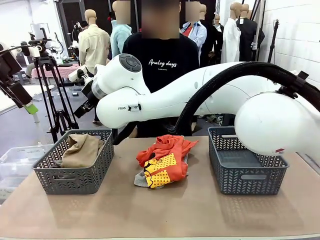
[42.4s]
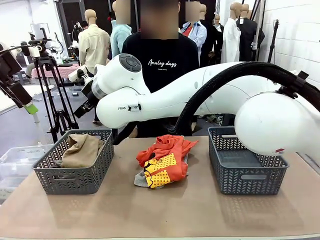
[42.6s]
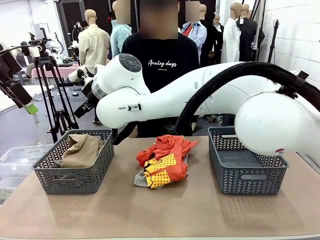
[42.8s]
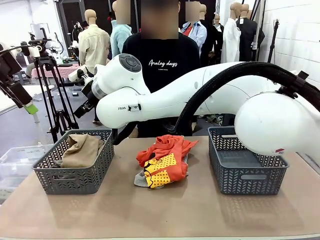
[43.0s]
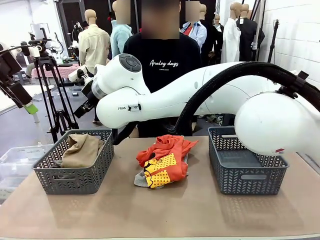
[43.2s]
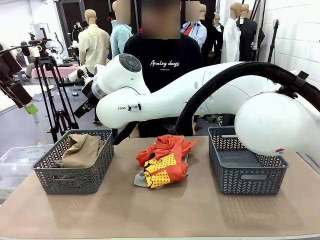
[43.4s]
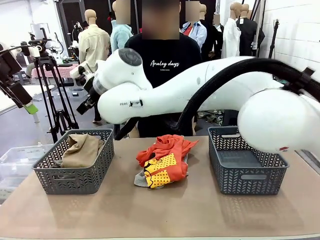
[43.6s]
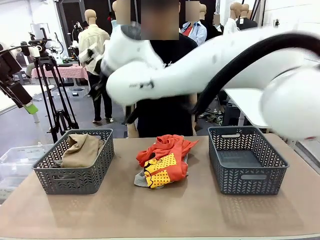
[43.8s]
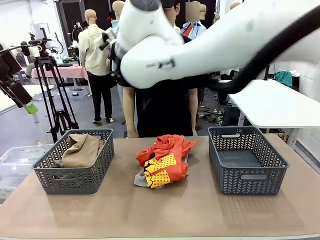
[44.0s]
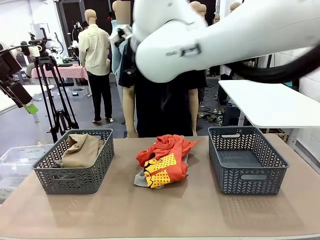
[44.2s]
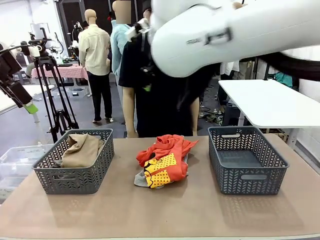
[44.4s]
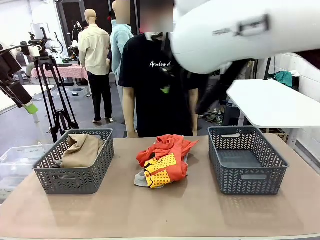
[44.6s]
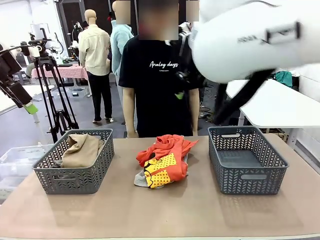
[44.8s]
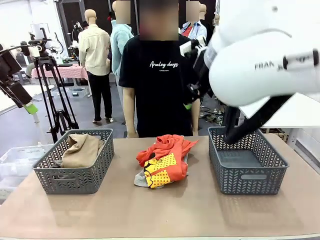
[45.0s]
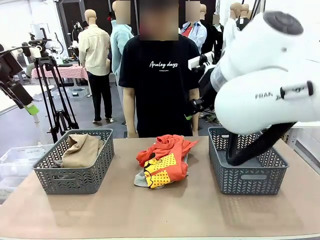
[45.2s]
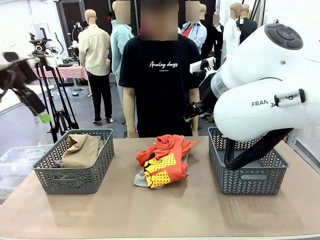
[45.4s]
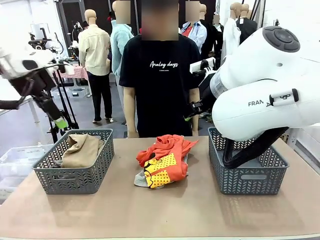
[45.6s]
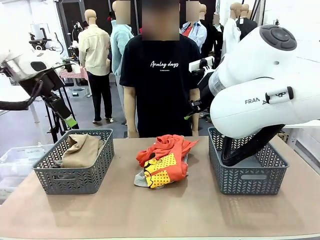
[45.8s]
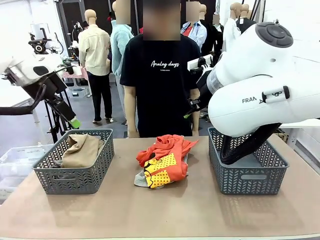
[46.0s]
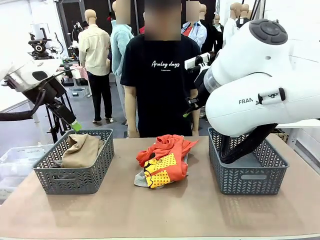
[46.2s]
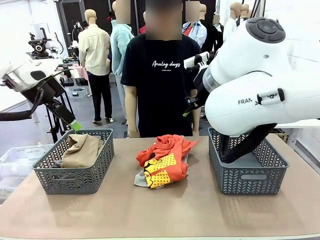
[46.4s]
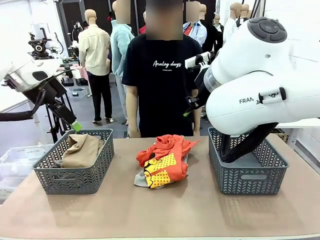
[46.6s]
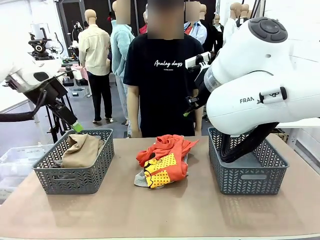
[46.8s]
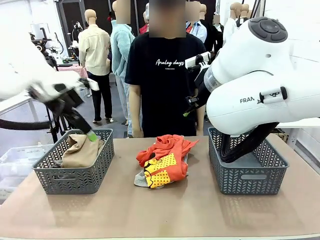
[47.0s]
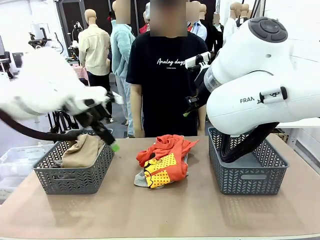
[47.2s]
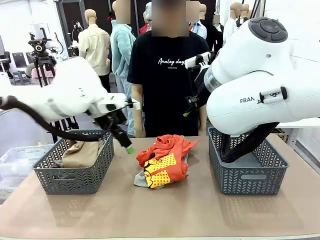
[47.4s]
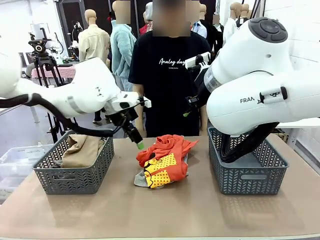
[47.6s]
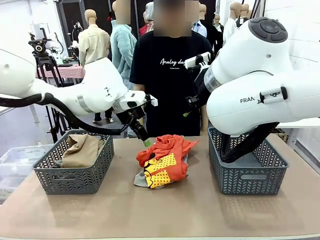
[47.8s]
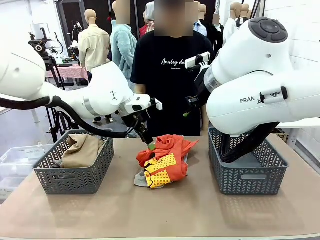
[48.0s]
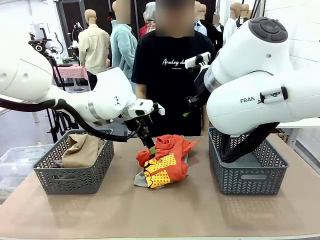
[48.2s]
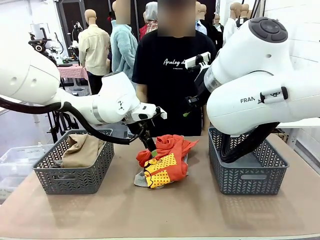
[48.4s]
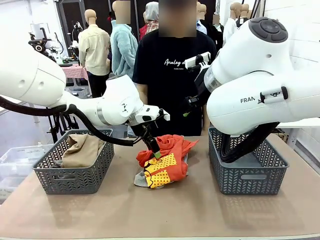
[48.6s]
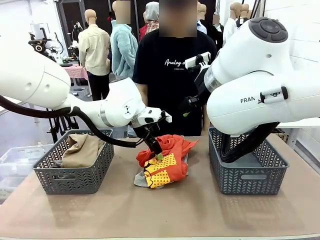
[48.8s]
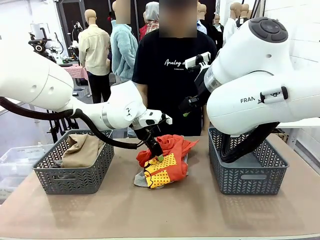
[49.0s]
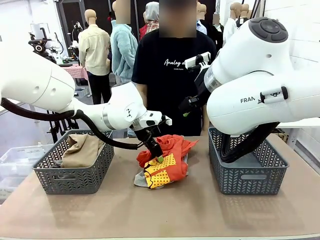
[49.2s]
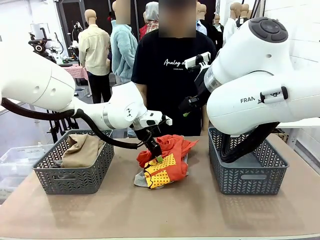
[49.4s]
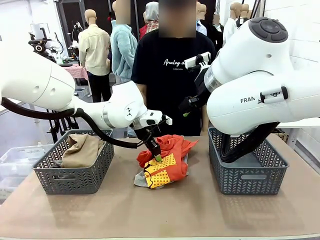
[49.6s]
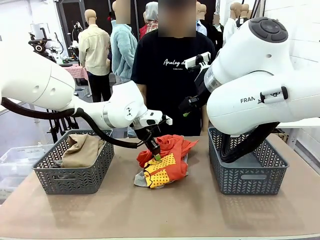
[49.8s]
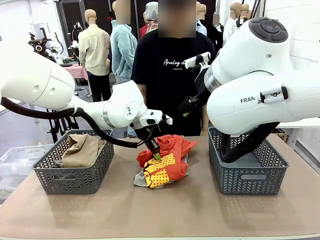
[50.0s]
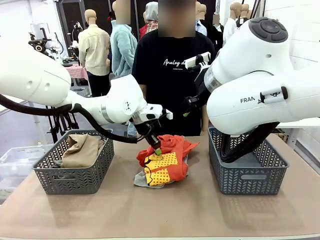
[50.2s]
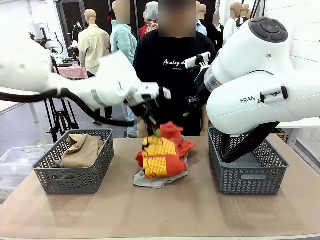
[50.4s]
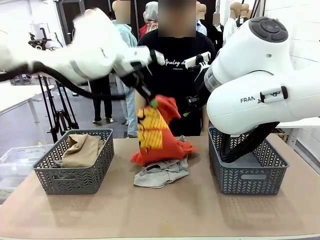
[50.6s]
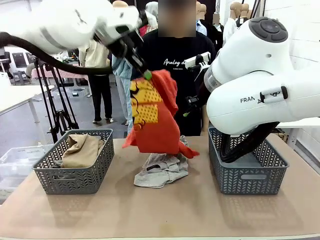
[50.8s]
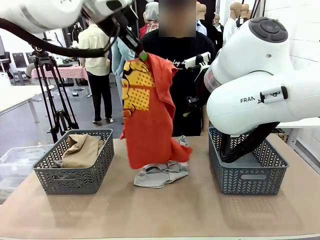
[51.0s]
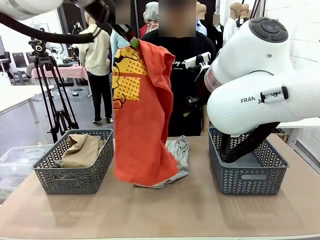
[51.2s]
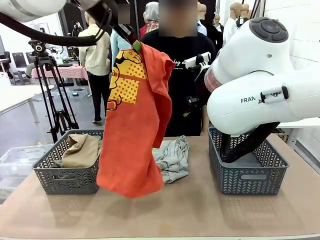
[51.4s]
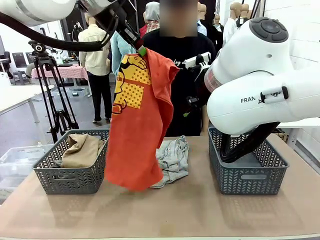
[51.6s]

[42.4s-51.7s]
Task: Sort the tops and bottoms.
Robot: Lift clothes from the center of the table with your left hand.

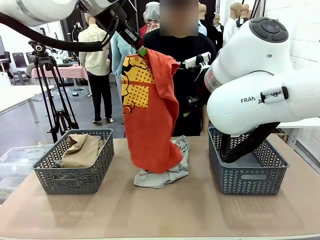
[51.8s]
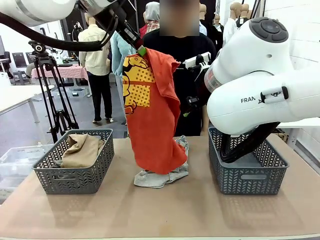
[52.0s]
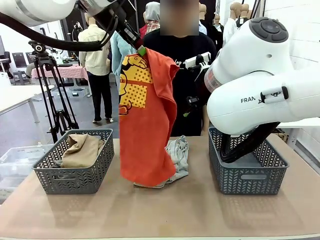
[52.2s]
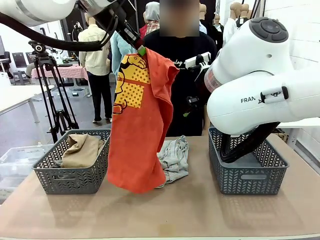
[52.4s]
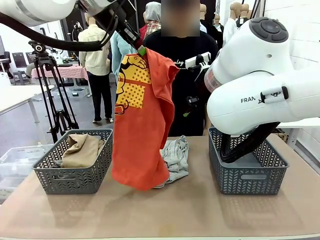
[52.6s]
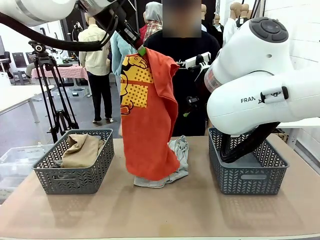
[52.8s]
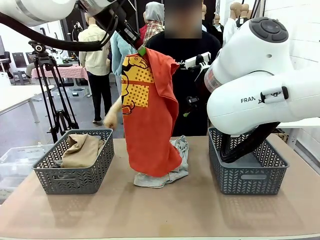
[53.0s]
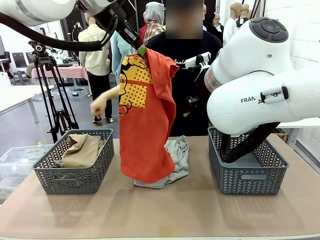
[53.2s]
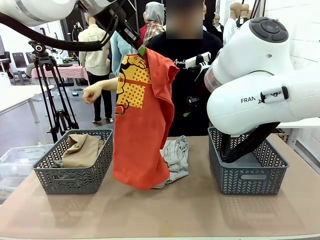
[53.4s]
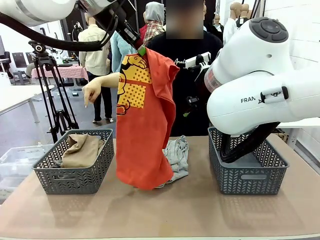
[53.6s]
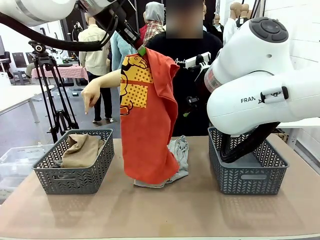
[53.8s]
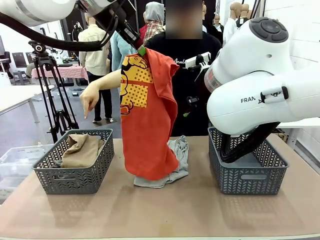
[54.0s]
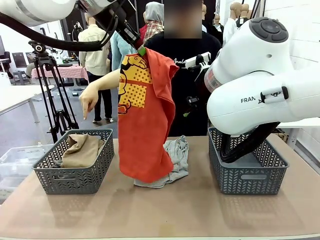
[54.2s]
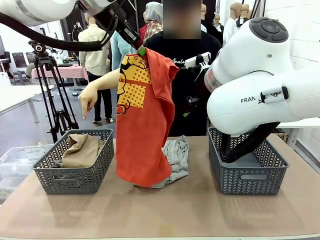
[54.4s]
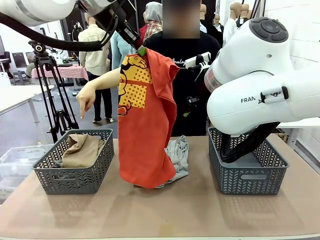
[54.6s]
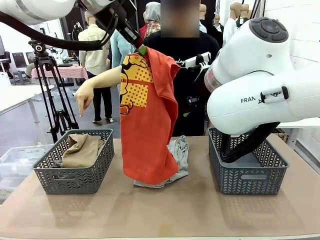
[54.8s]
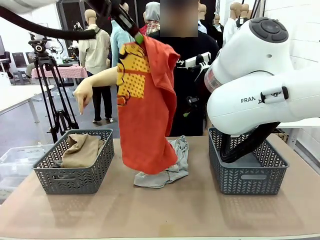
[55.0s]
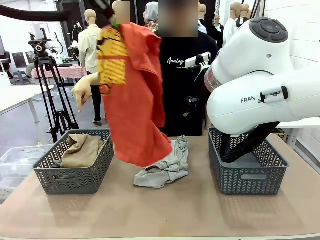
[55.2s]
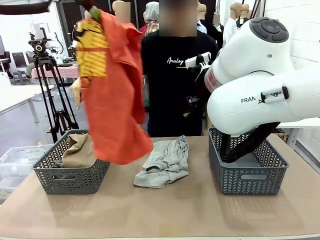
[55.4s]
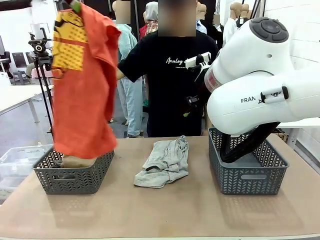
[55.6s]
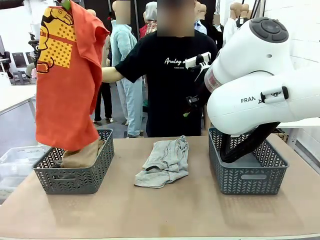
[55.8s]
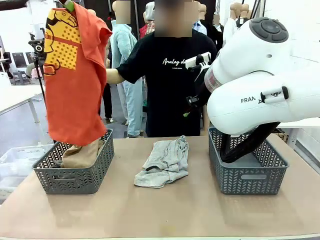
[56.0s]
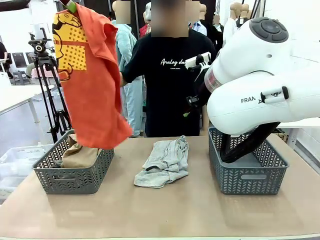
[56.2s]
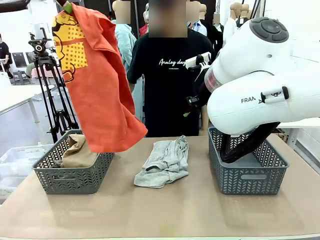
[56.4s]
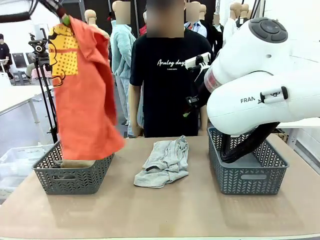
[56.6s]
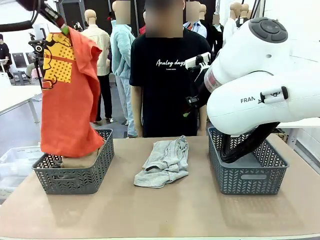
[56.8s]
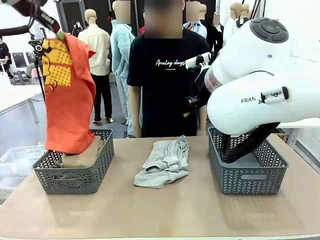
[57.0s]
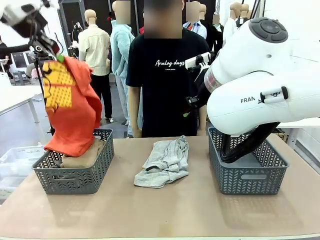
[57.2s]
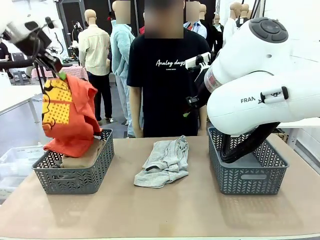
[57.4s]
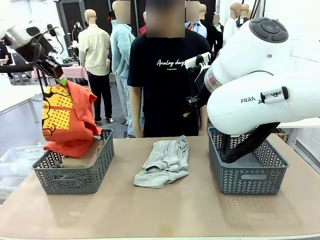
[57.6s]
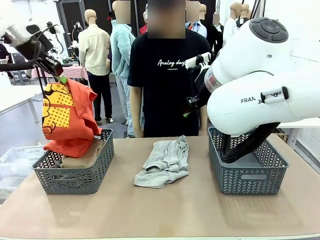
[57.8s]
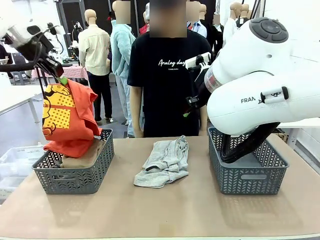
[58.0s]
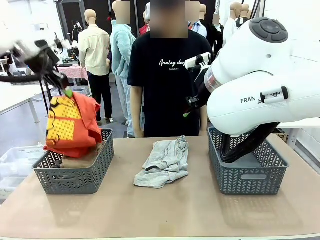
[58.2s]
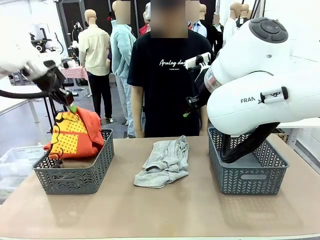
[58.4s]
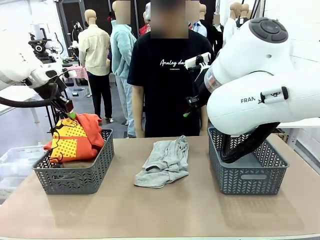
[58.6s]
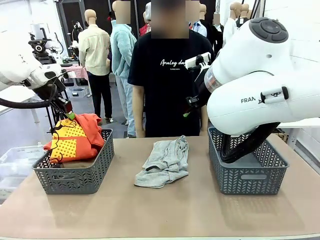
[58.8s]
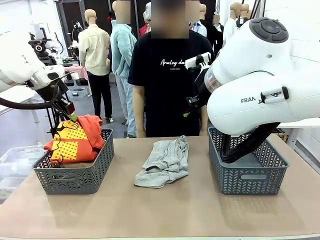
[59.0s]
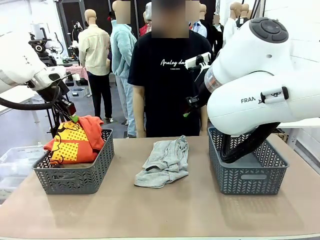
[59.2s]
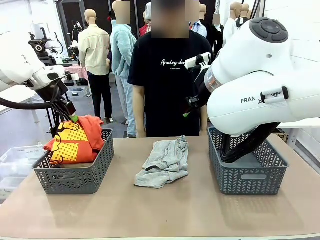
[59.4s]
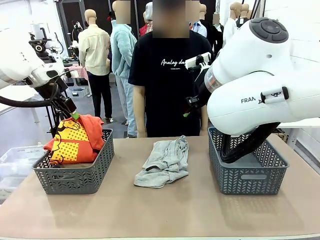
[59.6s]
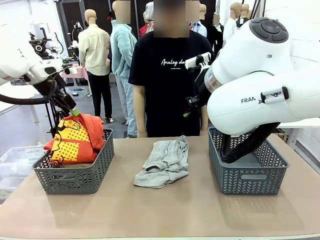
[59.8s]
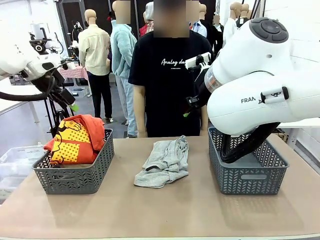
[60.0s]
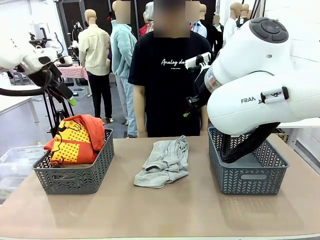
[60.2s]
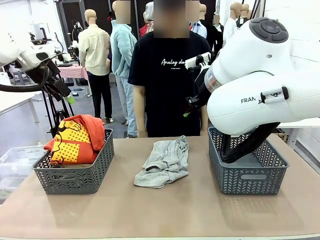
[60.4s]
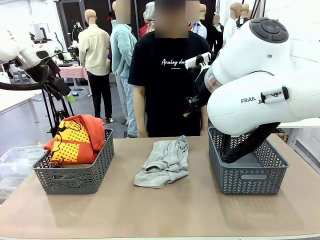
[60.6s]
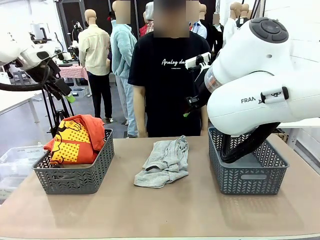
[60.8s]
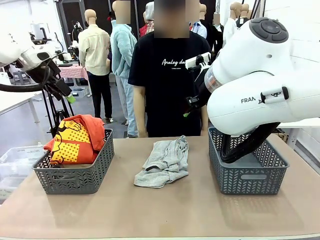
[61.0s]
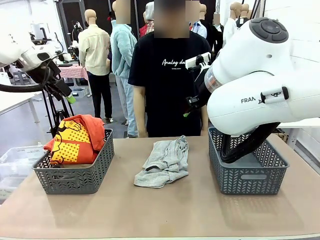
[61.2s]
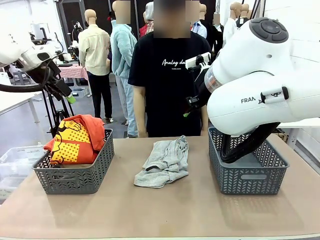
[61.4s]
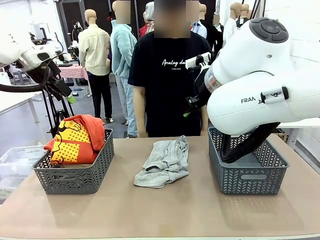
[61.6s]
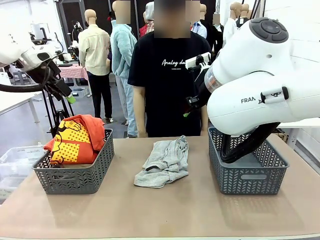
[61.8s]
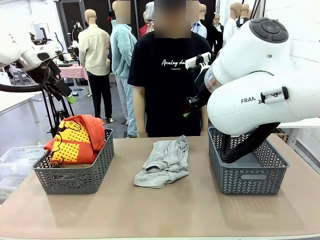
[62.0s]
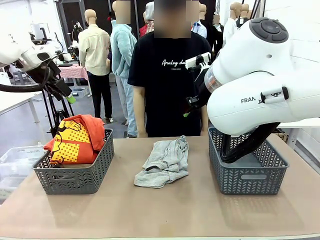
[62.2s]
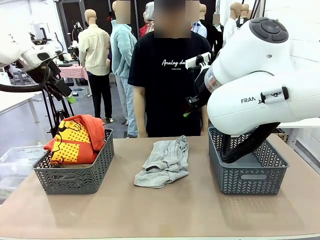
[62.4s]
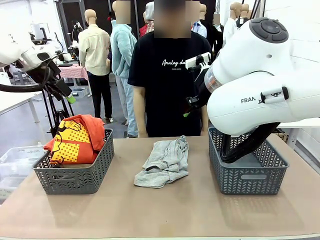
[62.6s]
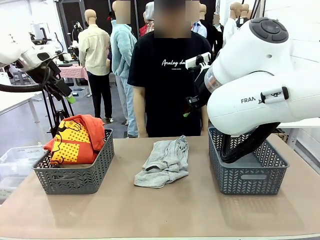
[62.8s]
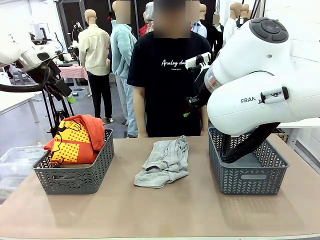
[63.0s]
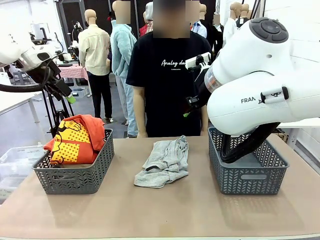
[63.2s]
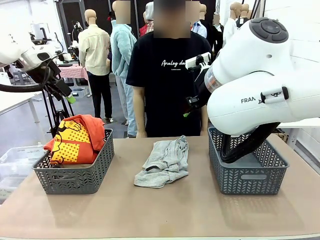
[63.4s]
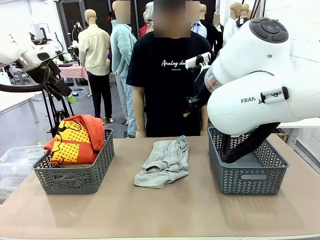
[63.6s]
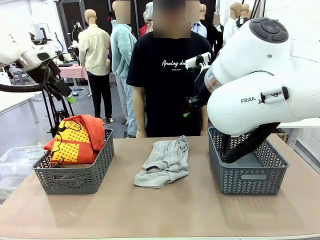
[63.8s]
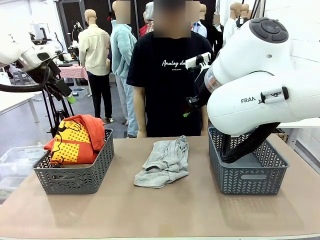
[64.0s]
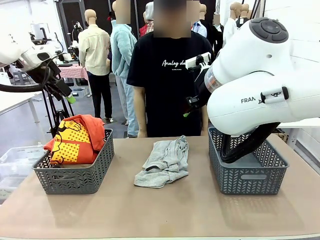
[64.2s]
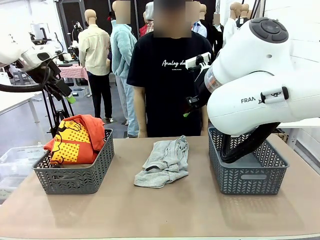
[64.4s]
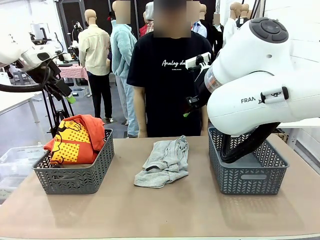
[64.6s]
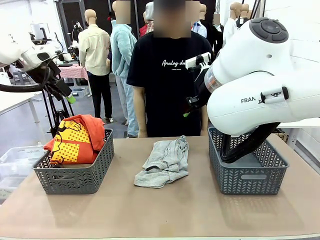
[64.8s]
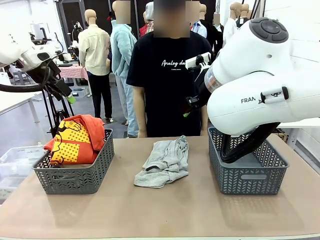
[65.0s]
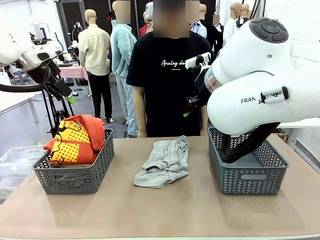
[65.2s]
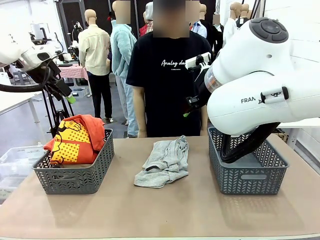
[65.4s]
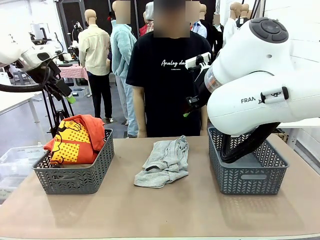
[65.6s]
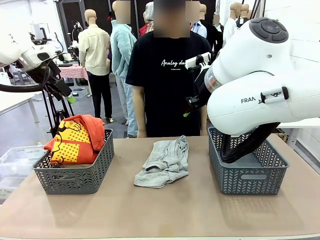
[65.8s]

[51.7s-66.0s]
Robot: Sort the clothes according to human instructions.
